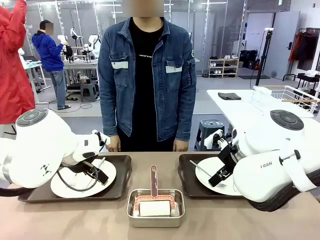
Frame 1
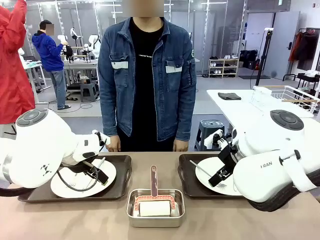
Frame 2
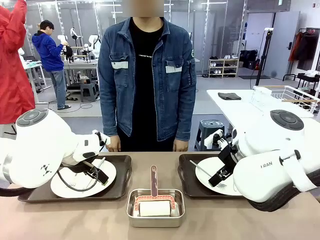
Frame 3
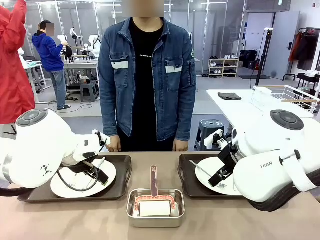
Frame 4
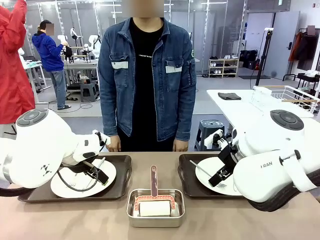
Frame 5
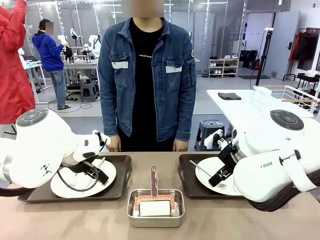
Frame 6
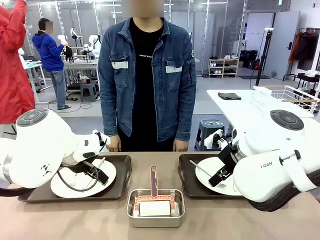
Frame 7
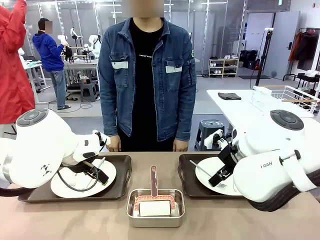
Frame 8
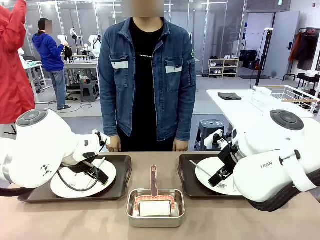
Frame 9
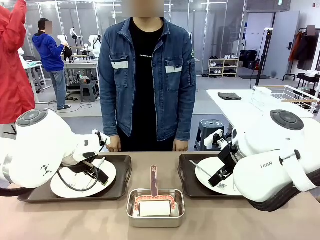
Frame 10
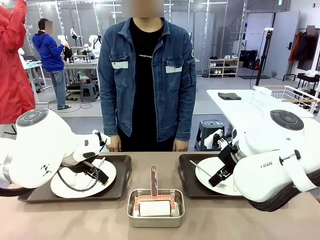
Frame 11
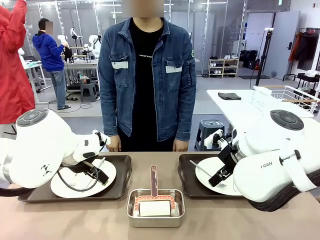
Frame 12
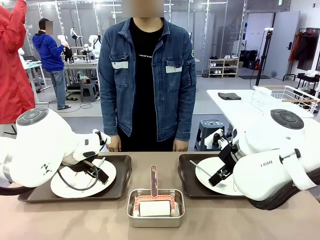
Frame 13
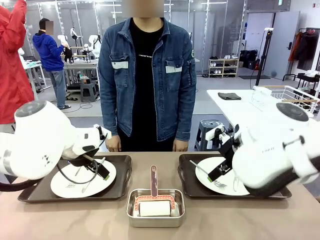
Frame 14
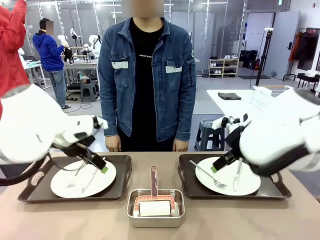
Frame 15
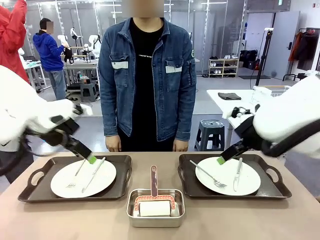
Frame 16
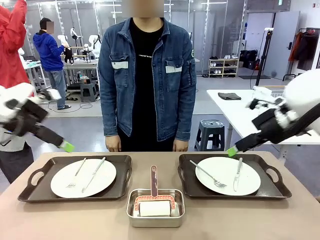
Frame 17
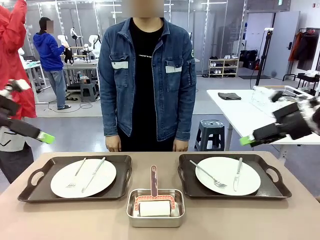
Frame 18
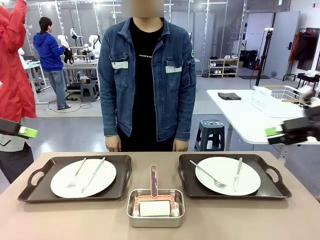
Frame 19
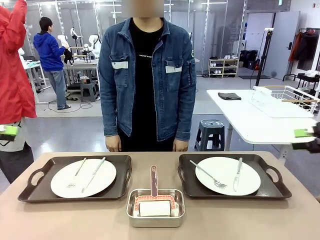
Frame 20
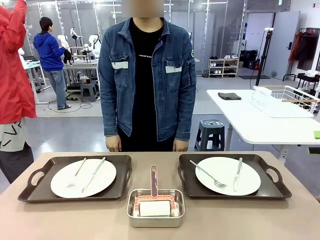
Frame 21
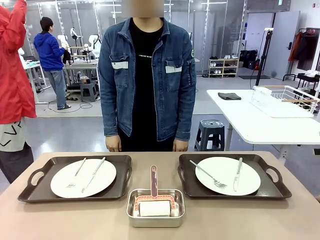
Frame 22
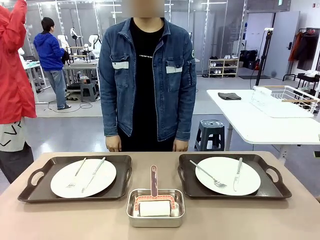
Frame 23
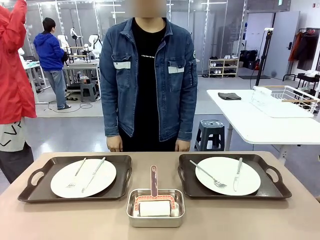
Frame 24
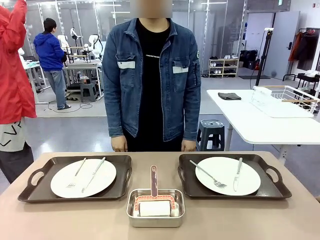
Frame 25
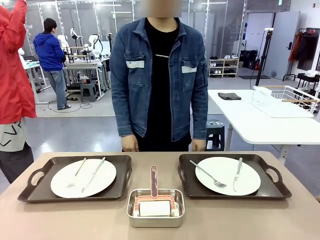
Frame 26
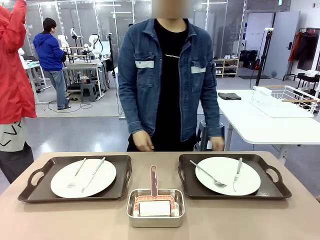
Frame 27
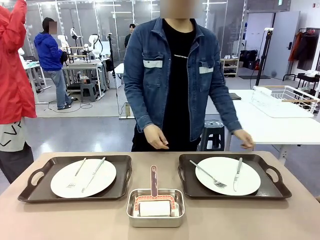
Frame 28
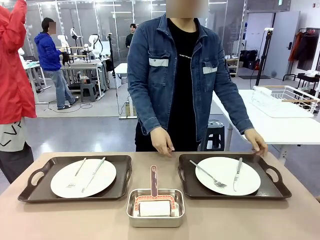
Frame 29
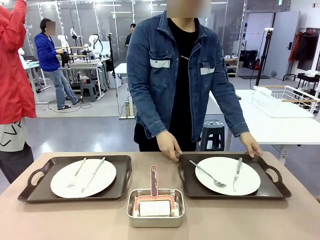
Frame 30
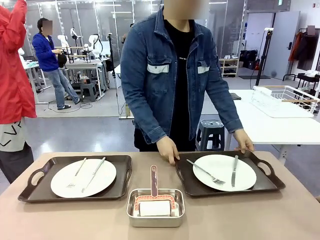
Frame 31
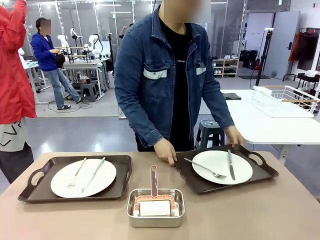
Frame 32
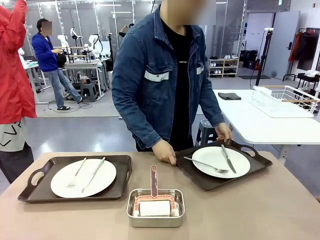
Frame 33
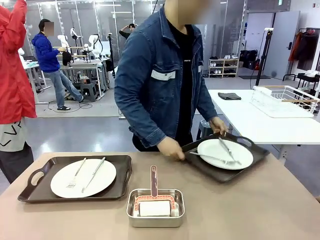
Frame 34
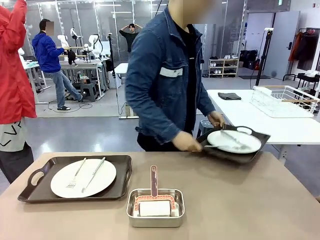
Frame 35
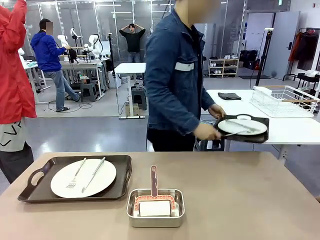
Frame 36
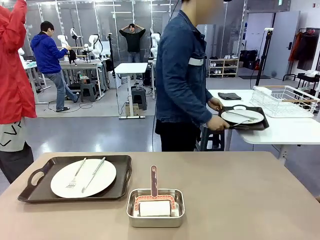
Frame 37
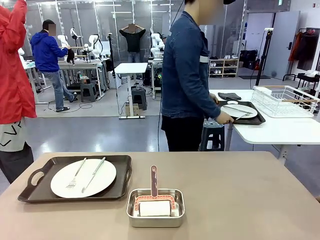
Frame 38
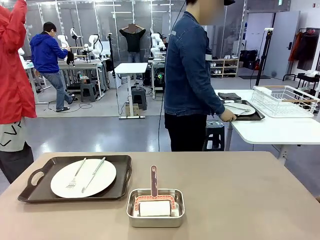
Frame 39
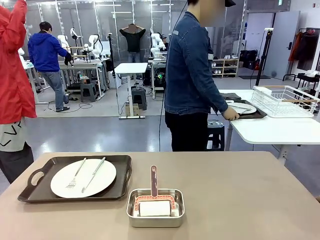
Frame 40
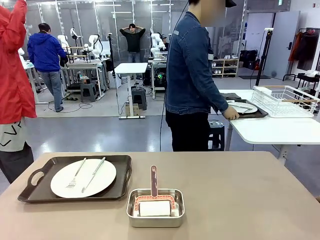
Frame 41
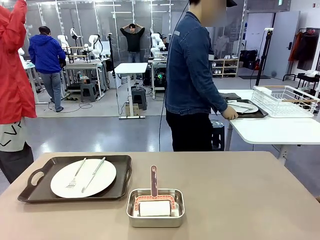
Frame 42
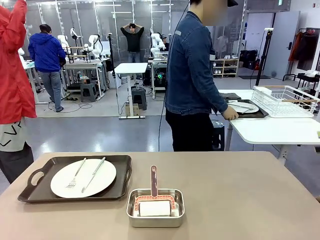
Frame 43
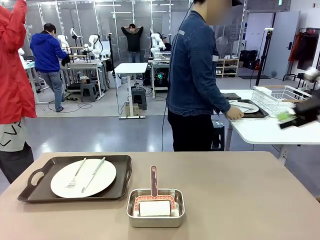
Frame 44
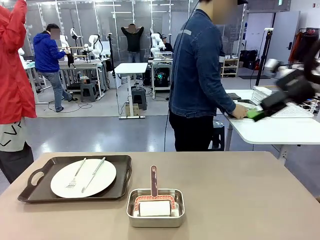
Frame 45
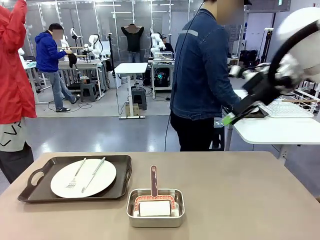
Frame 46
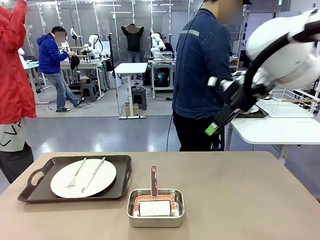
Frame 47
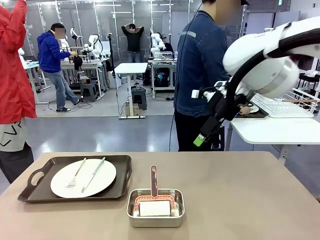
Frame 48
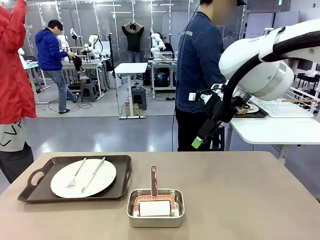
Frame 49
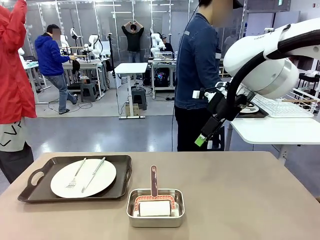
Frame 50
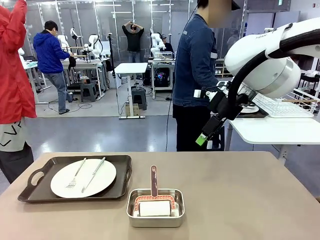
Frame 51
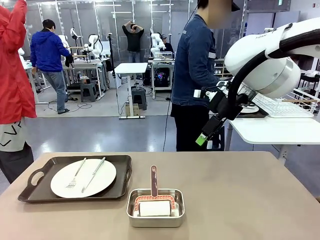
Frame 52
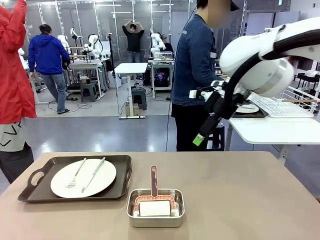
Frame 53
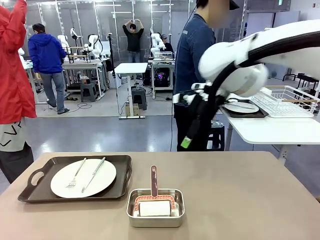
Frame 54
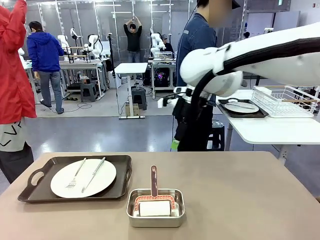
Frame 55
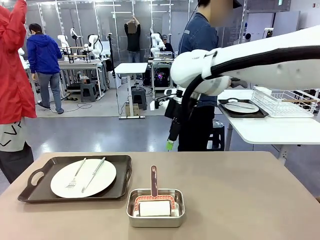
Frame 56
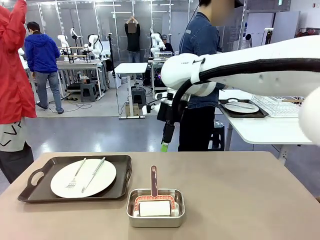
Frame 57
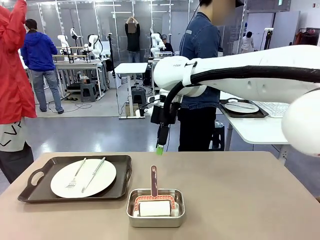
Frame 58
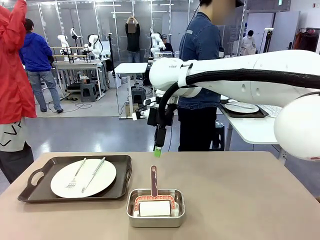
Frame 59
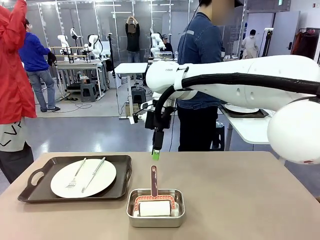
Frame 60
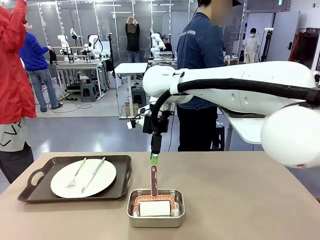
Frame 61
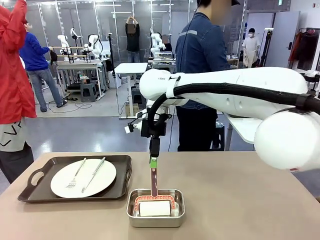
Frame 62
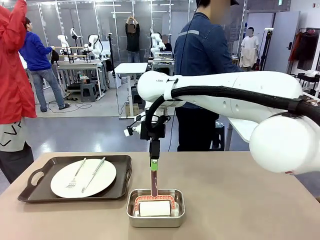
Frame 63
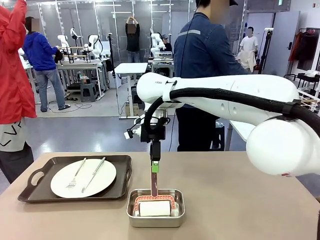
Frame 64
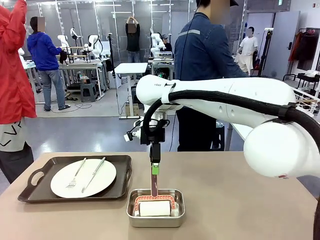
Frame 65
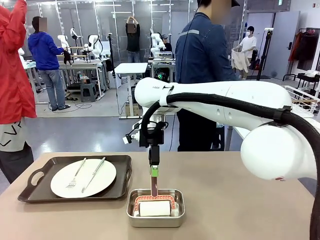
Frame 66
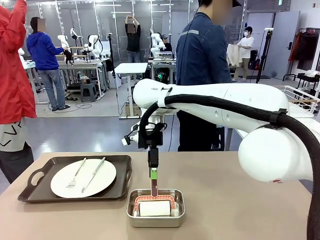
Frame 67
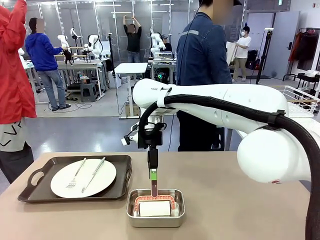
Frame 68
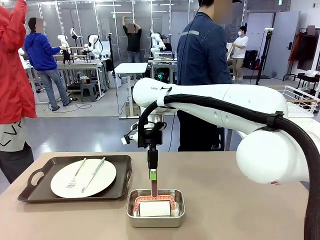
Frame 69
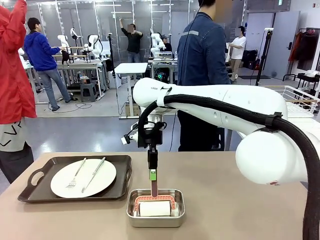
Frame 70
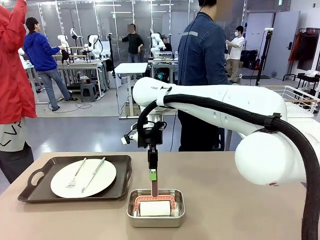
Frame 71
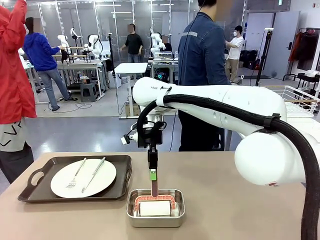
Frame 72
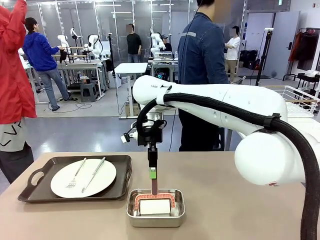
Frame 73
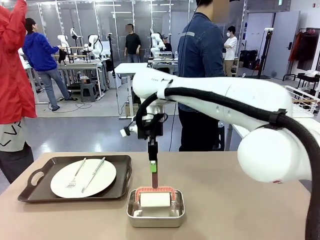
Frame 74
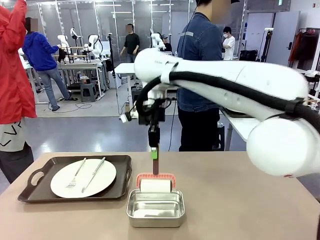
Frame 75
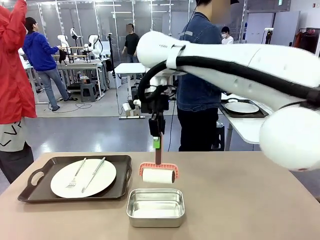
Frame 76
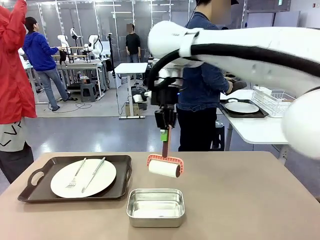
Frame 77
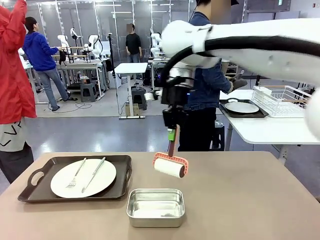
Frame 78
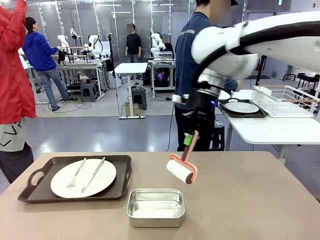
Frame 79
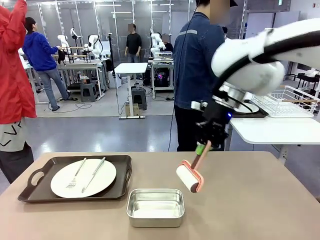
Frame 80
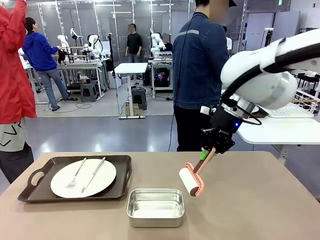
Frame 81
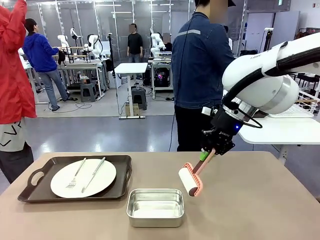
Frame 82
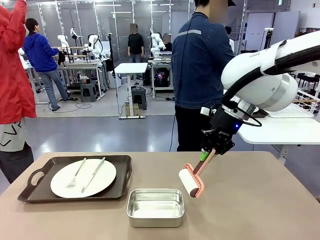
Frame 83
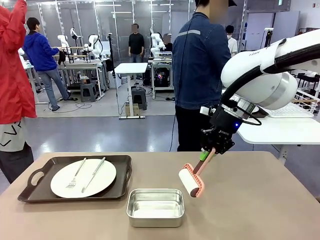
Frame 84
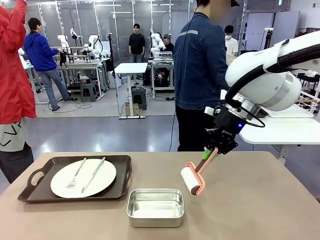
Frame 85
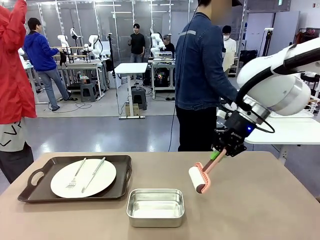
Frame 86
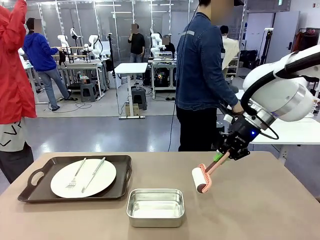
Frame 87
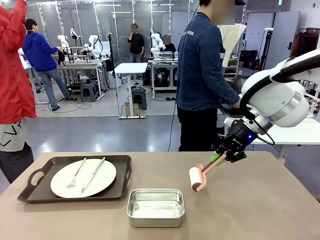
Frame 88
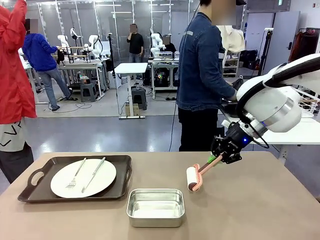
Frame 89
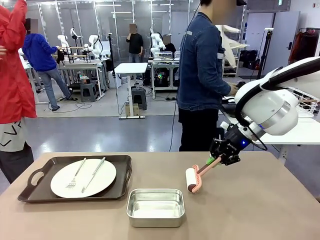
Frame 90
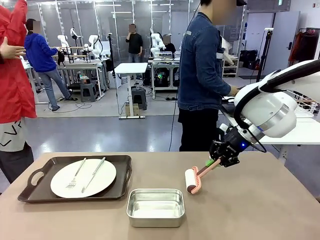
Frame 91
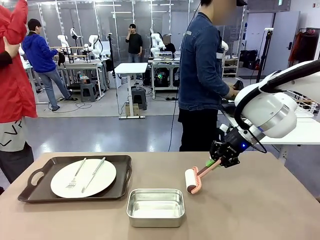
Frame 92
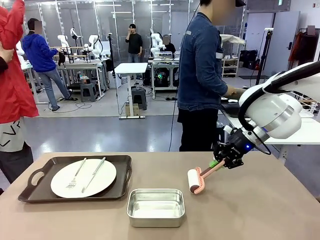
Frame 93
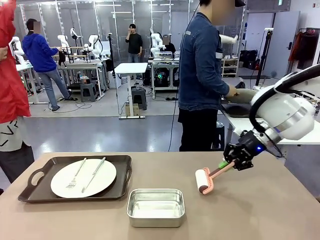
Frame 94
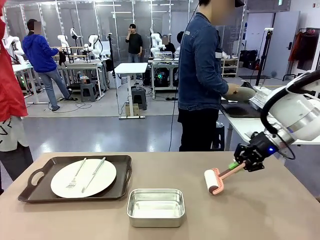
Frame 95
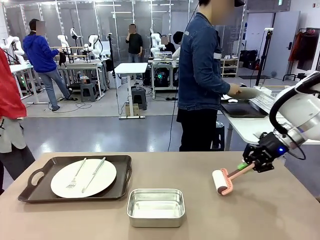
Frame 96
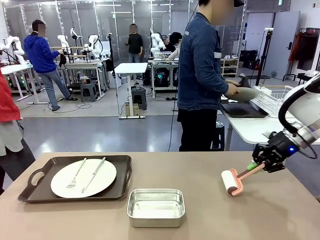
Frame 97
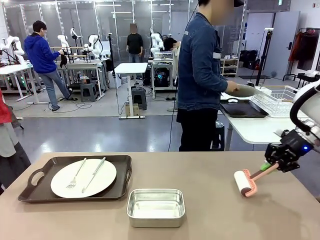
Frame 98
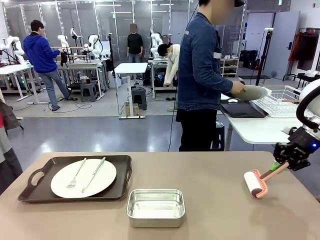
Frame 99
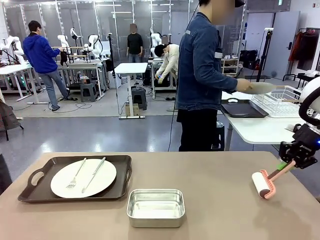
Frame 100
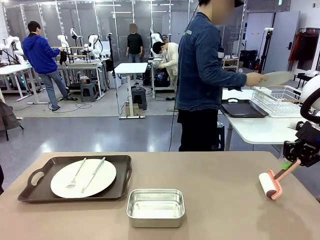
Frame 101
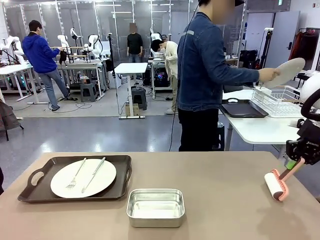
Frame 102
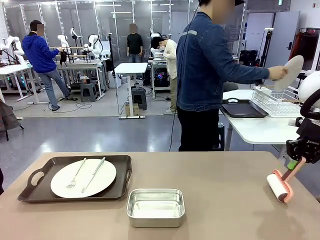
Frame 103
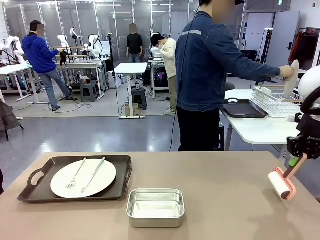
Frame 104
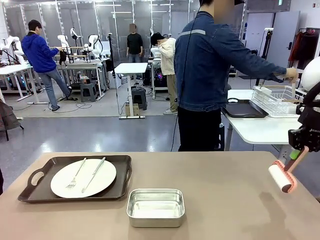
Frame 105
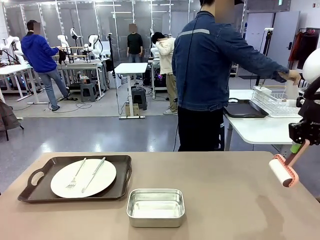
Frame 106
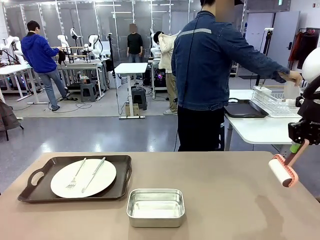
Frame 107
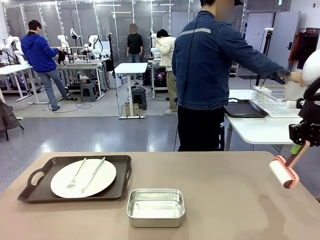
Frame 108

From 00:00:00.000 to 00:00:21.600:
Robot: When the left (or right) Handle tray is removed, use the left hand (or right hand) to clean the left (or right) side of the table with the Lint Roller.
Person: Pick up the left (or right) Handle tray and place it on the middle of the Human's table. Use the Towel with hook to wipe the Plastic Matte Plate , Fork , and Knife and place into the Dish drying rack.
